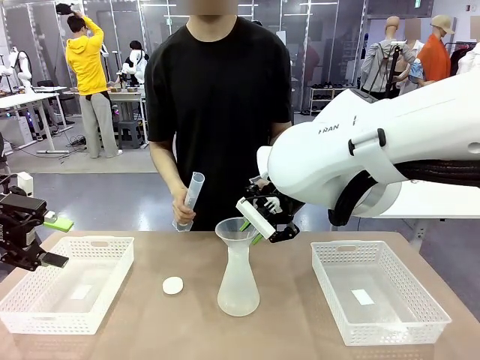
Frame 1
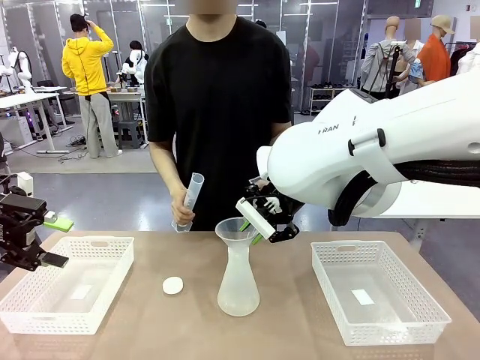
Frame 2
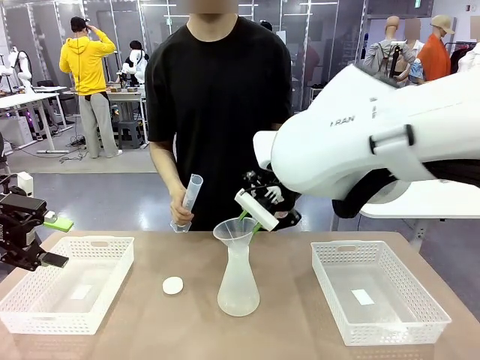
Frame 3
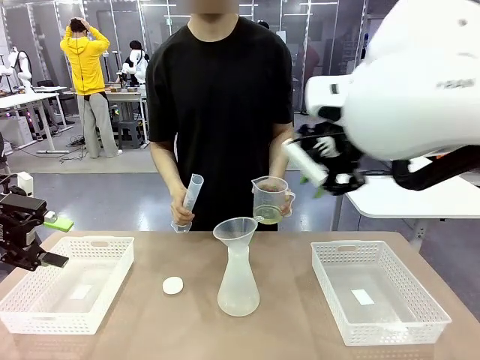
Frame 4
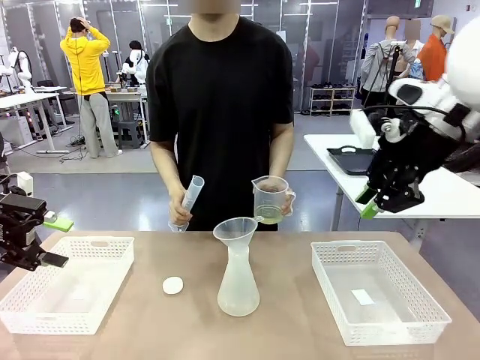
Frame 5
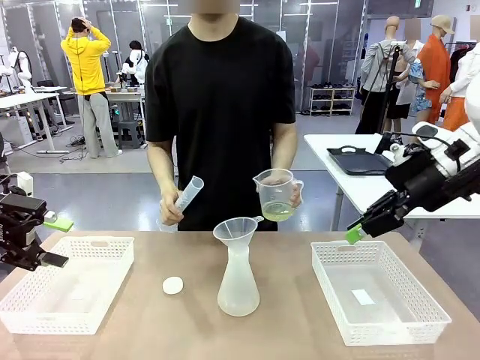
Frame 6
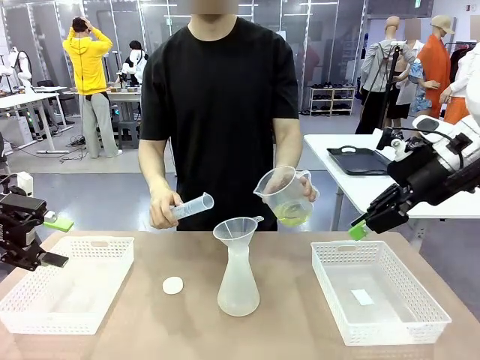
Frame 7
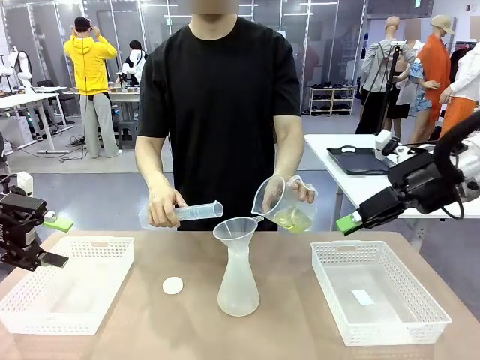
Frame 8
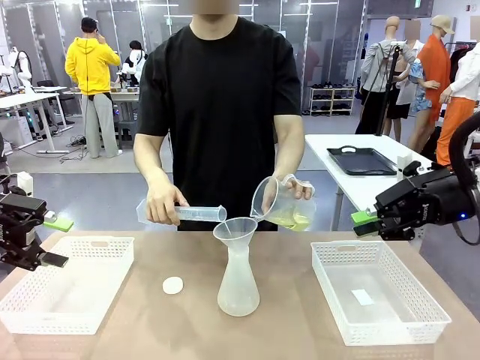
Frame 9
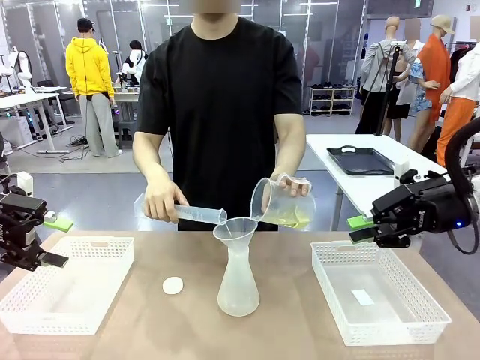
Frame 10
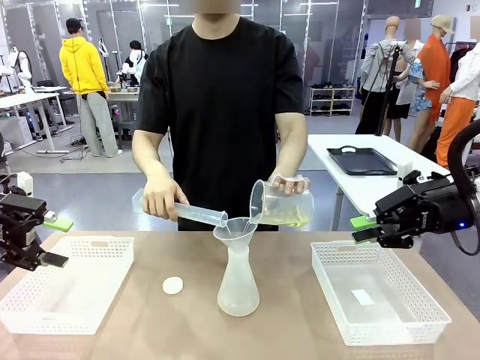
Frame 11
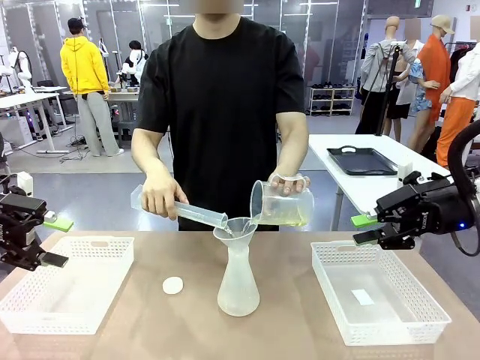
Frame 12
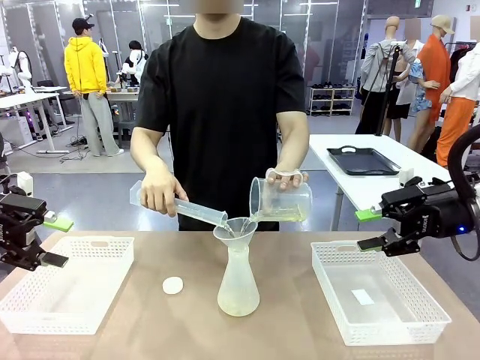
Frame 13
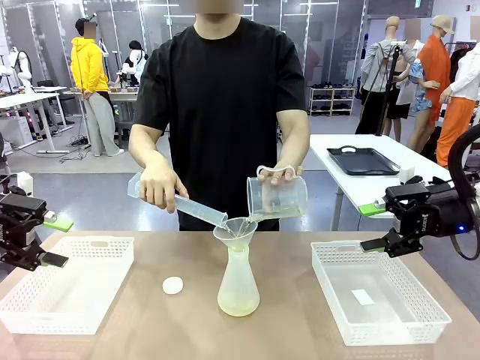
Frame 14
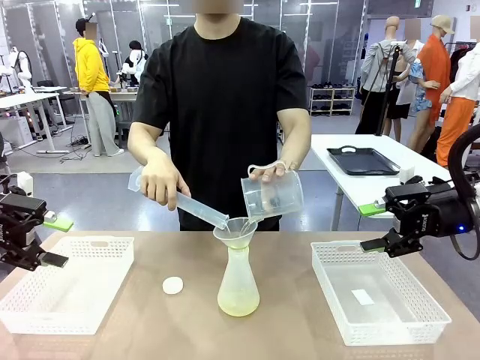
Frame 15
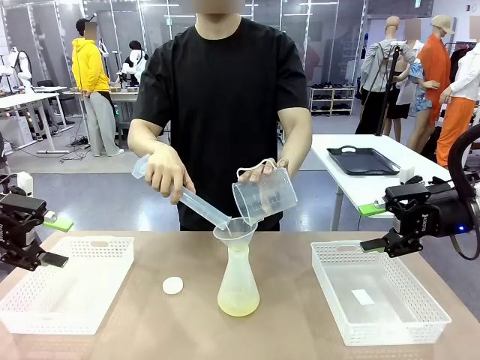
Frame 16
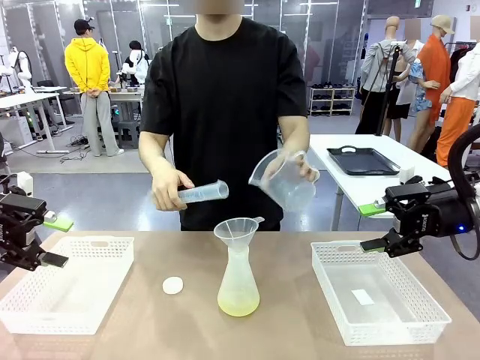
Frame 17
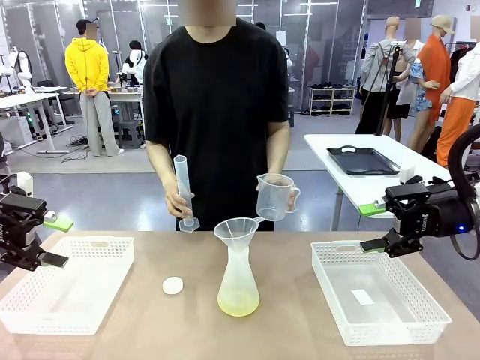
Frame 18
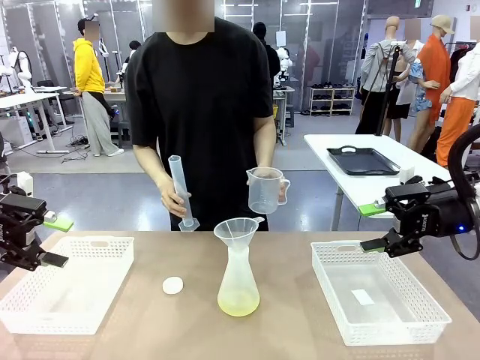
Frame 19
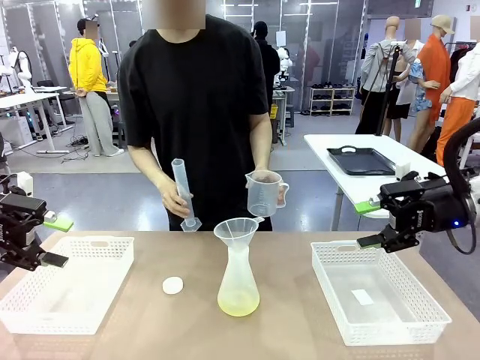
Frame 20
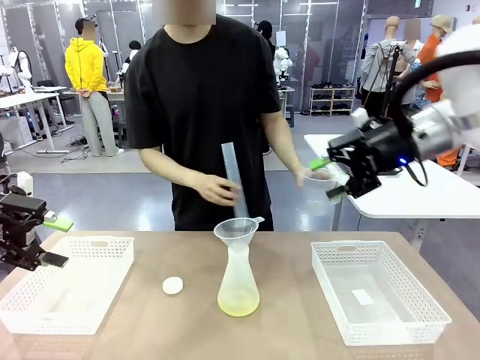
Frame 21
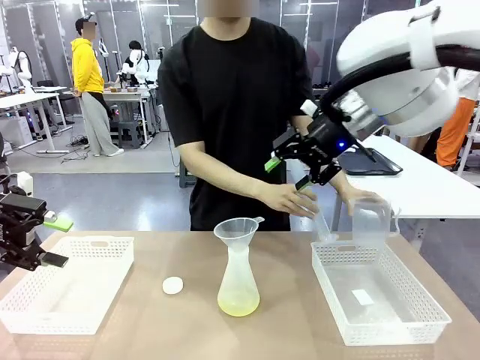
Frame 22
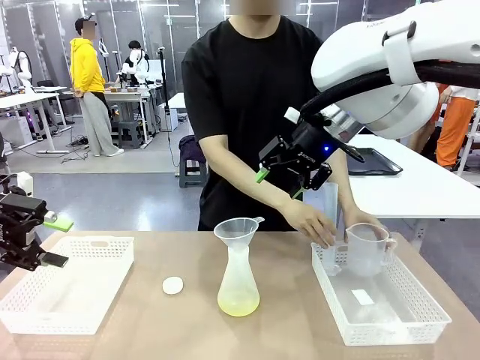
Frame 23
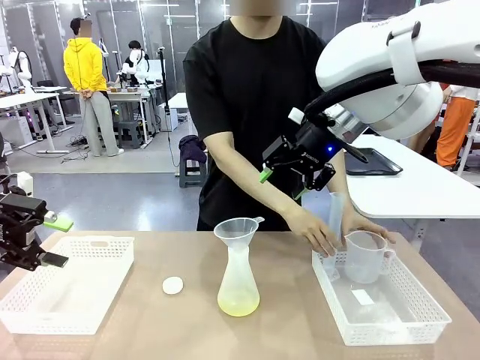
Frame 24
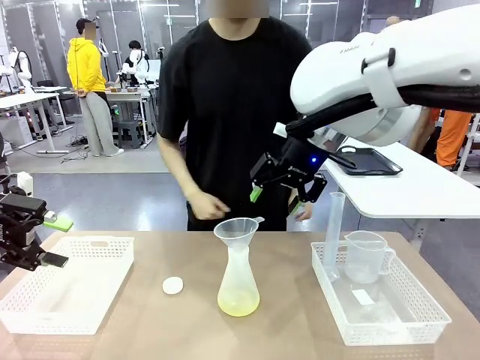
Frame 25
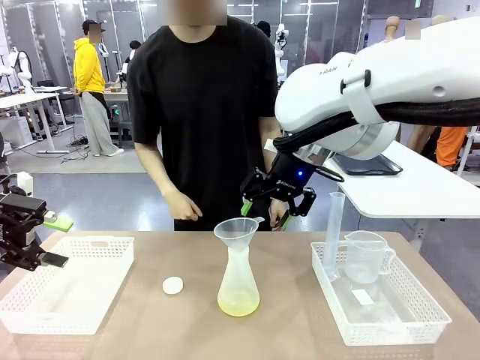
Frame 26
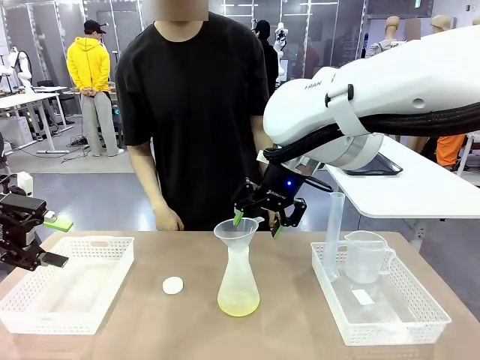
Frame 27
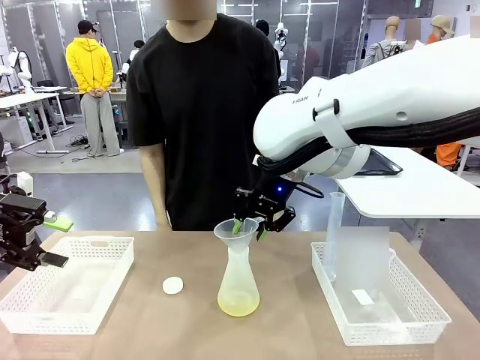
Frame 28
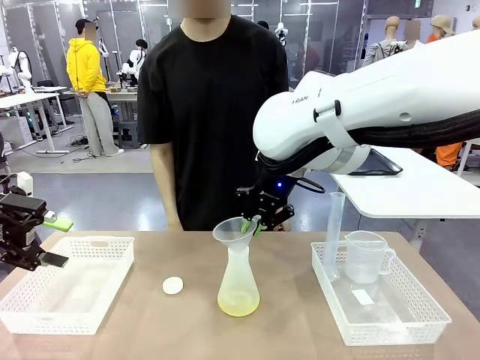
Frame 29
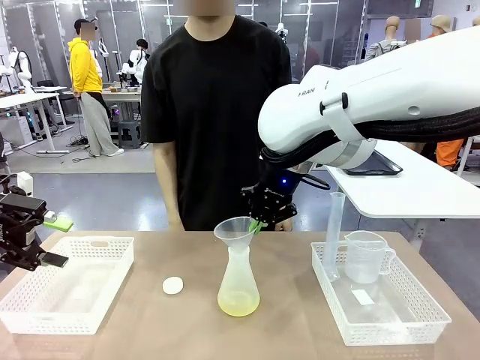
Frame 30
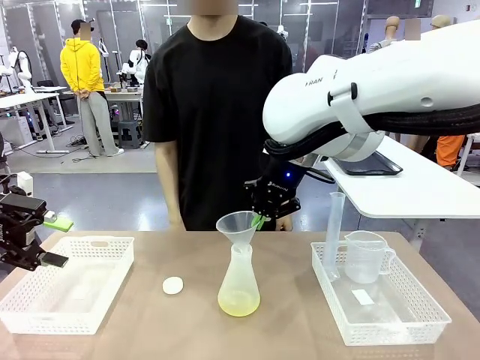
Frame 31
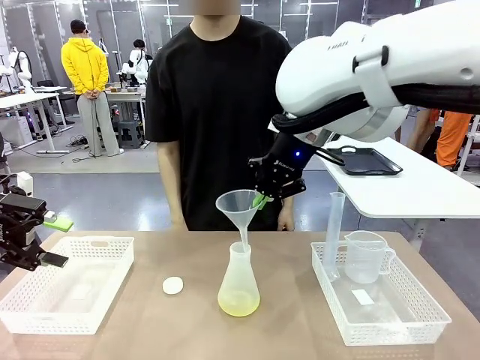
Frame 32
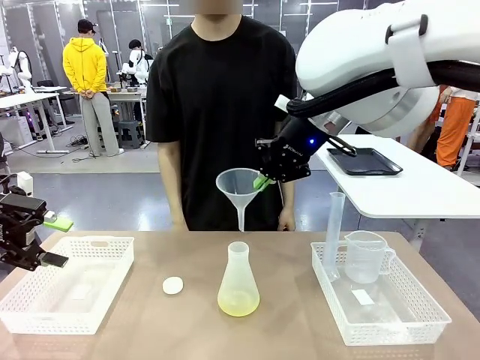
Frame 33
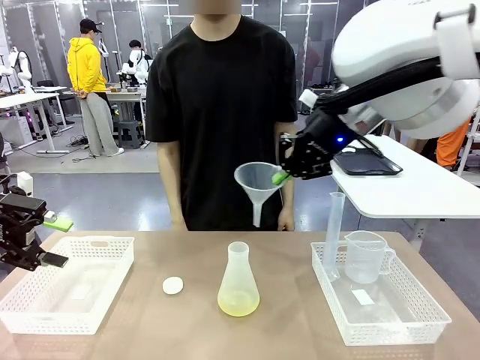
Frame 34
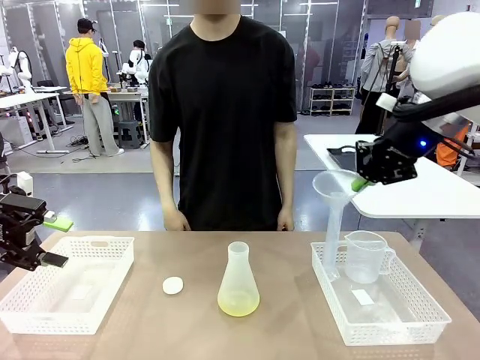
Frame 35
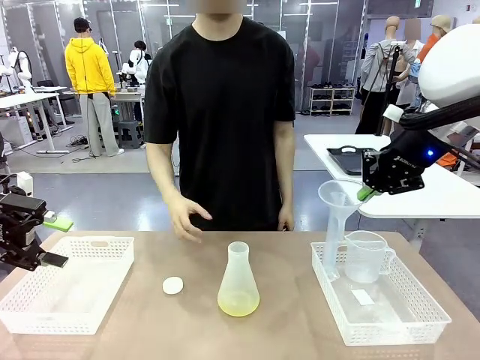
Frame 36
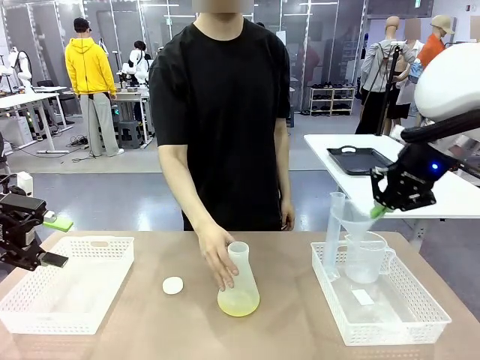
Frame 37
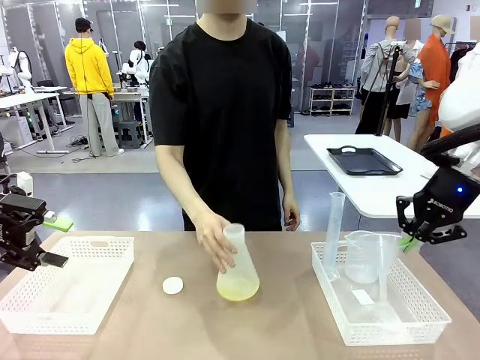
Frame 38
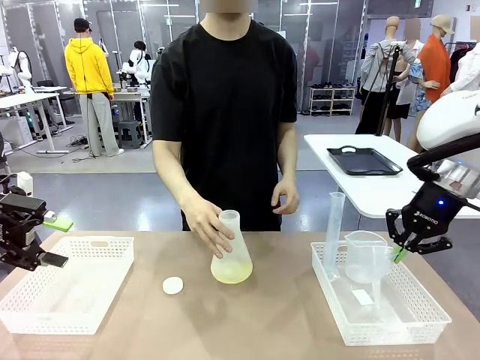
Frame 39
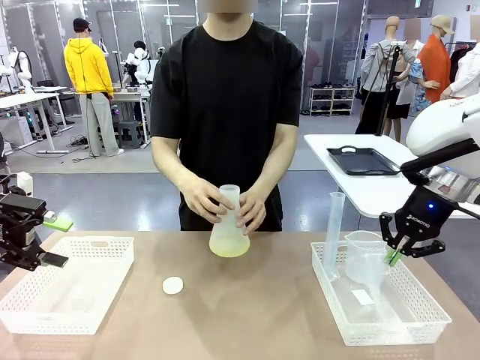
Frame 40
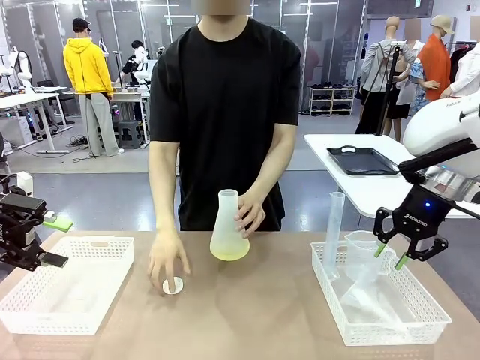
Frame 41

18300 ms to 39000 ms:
Task: Prepare the solutions needed for the experiment.
Robot: Once the solution is in the Big flask , pick up the Plastic Funnel and place it back into the right Organizing basket.
Person: Pour the solution from the beaker and the cylinder into the flask. Place the beaker and the cylinder into the organizing basket on the left side. Pick up the flask, gently shake it 2–3 times, place it in the middle of the robot table, and close the lid.

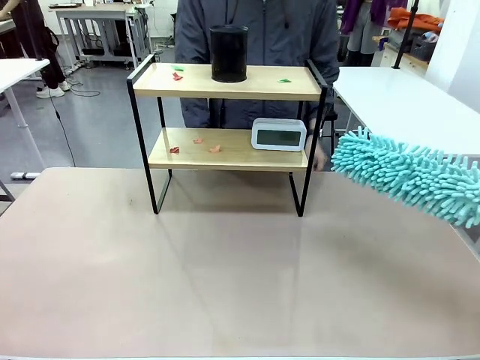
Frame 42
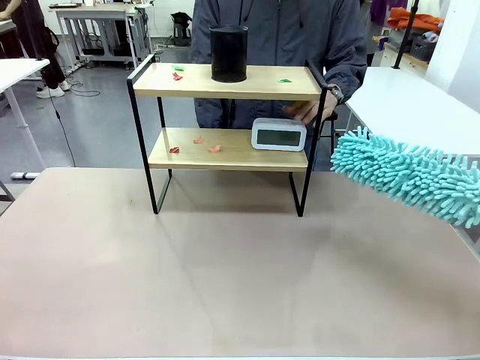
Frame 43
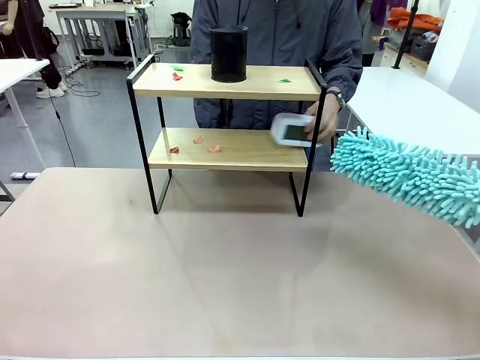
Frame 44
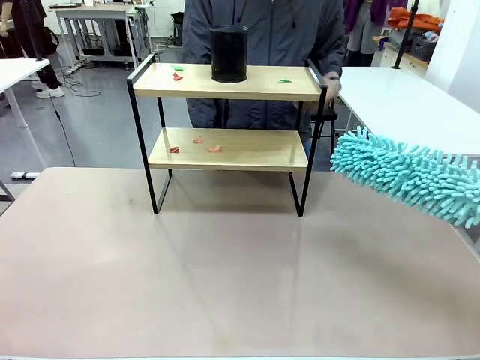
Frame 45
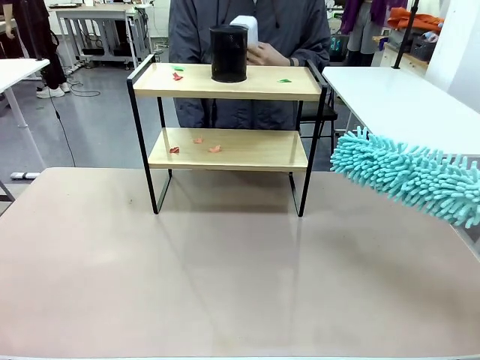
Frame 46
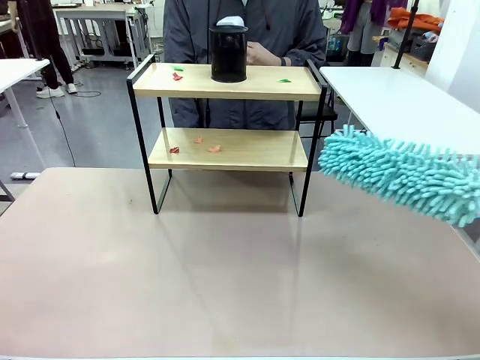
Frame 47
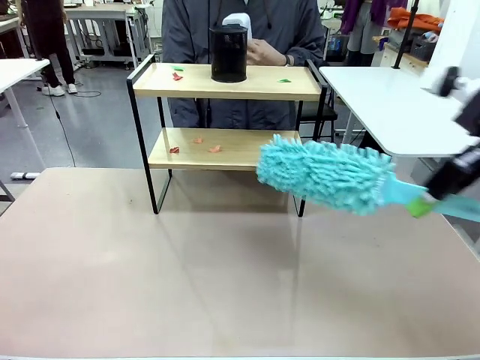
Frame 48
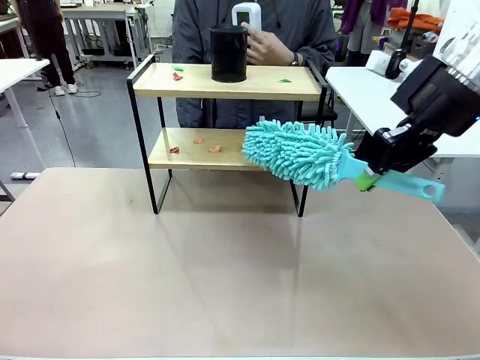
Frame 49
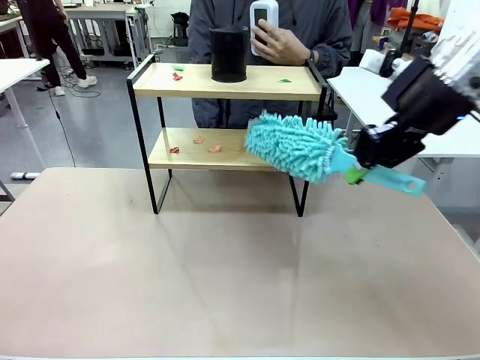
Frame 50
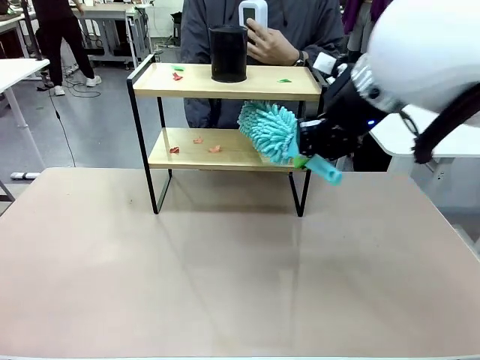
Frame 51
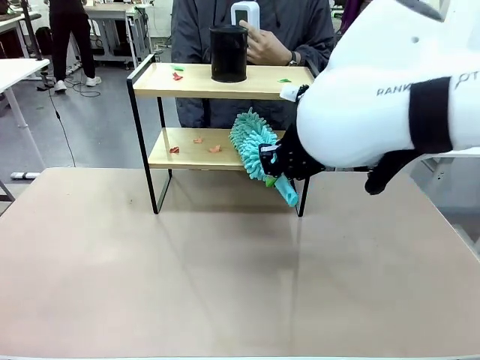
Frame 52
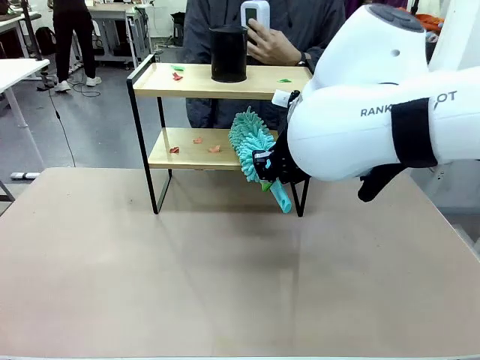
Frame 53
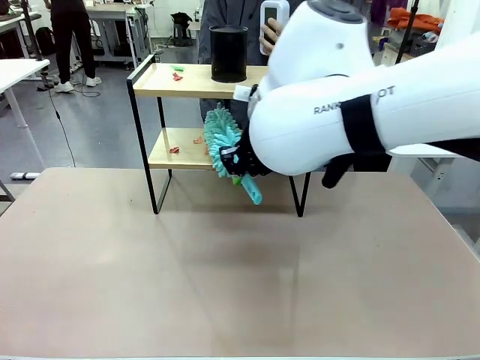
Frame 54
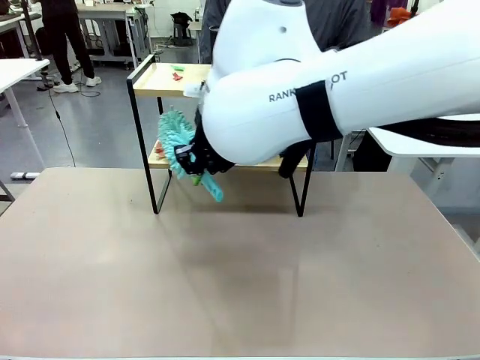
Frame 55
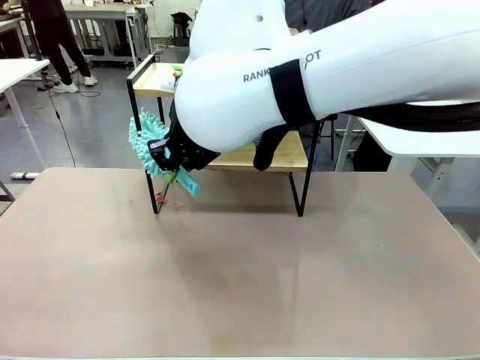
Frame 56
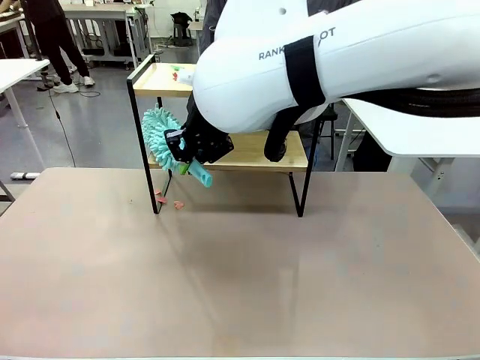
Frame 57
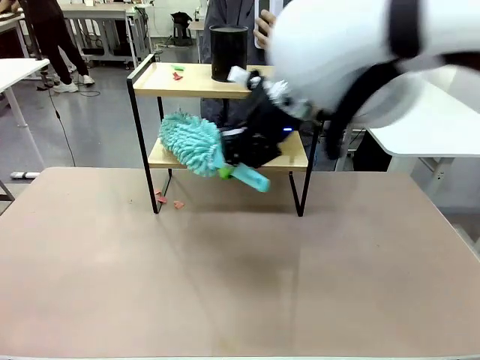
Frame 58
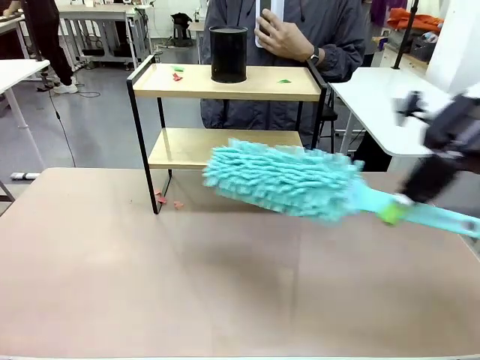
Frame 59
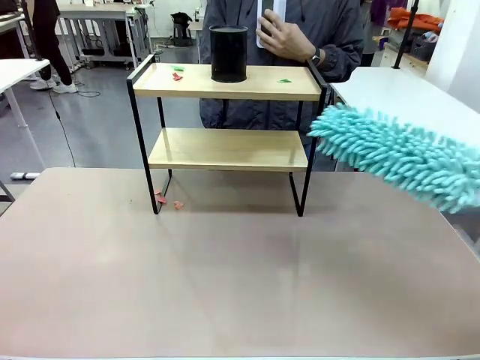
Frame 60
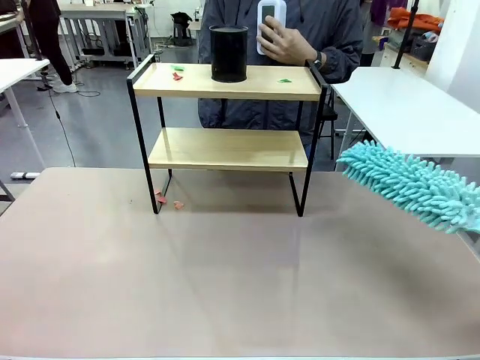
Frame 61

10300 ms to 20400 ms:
Task: Clean the shelf.
Robot: Clean the specific tier of the Shelf with the Duster once objects are removed.
Person: Lift the objects on a randomly selected tier of the Shelf. Once the robot finishes cleaning, lift the objects on the remaining tiers of the Shelf.
